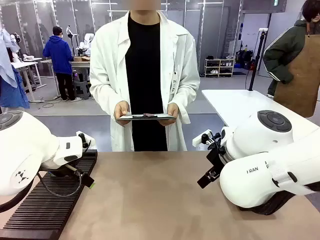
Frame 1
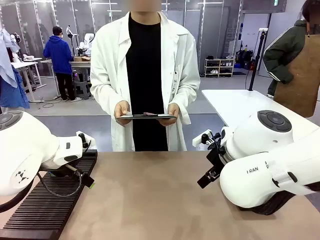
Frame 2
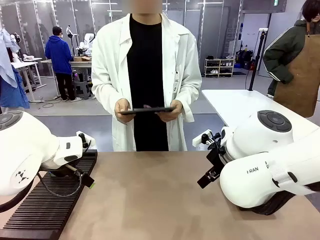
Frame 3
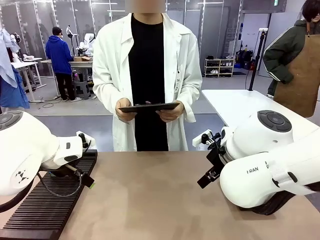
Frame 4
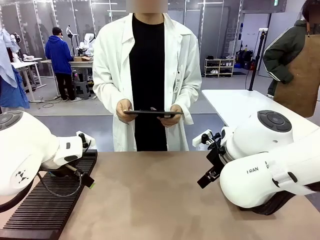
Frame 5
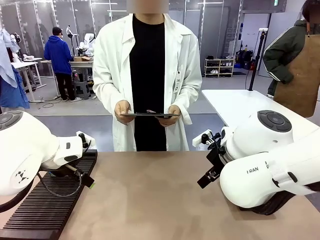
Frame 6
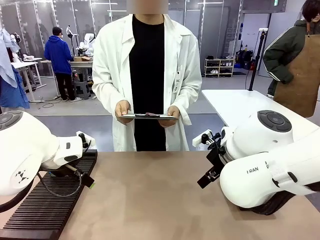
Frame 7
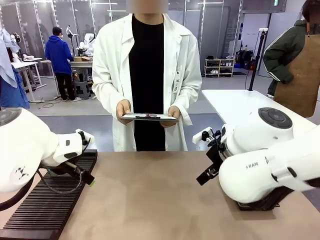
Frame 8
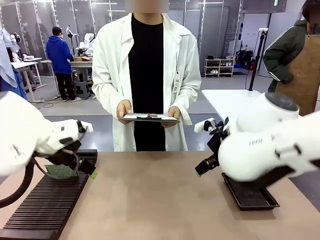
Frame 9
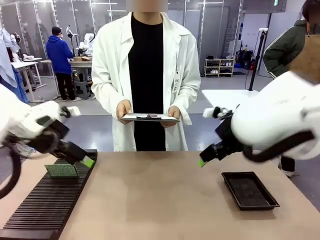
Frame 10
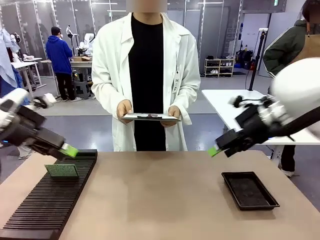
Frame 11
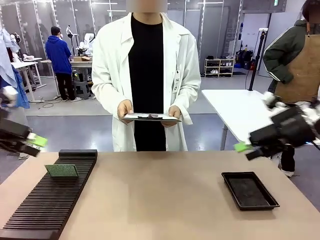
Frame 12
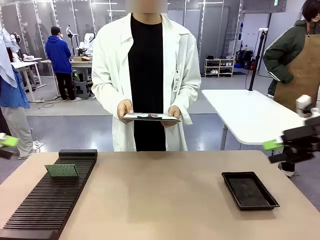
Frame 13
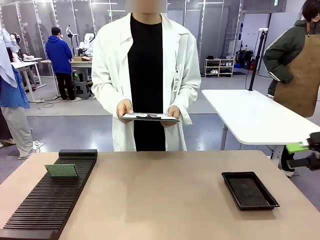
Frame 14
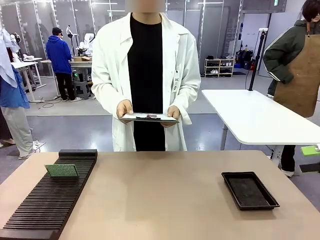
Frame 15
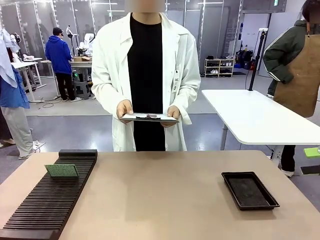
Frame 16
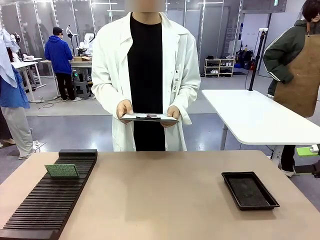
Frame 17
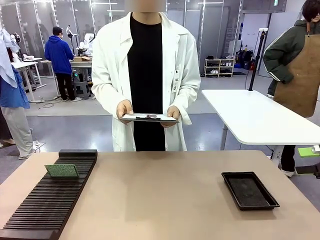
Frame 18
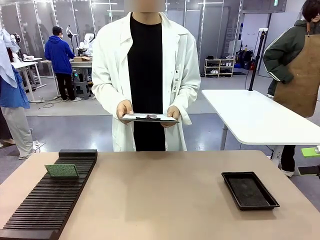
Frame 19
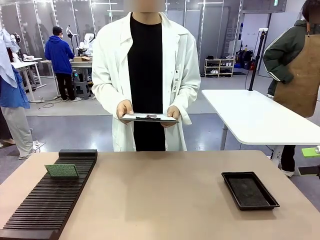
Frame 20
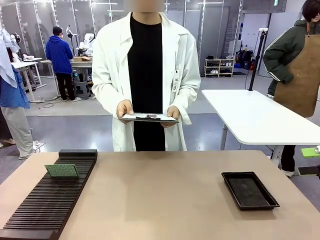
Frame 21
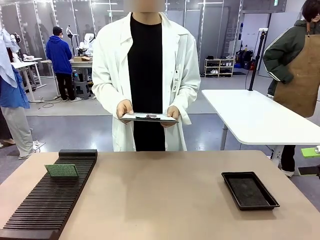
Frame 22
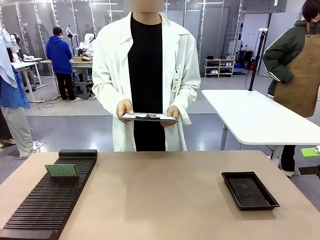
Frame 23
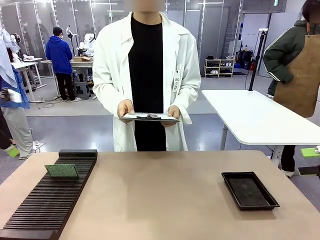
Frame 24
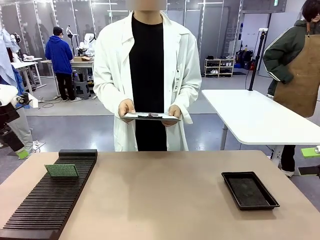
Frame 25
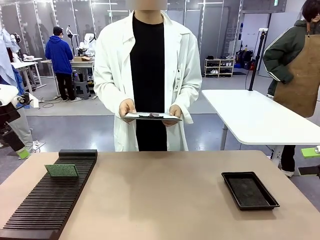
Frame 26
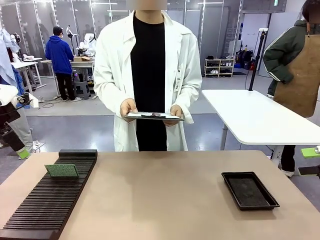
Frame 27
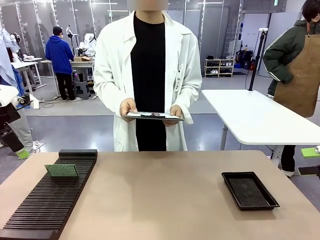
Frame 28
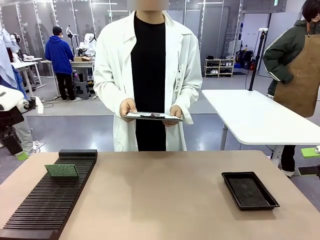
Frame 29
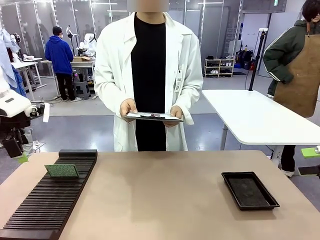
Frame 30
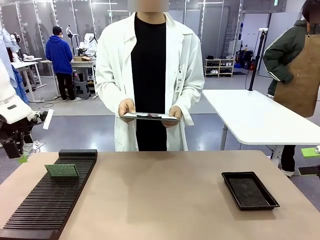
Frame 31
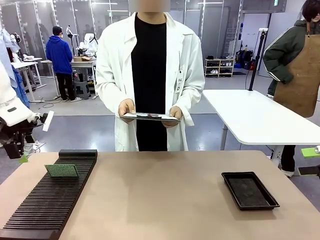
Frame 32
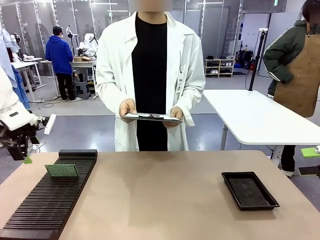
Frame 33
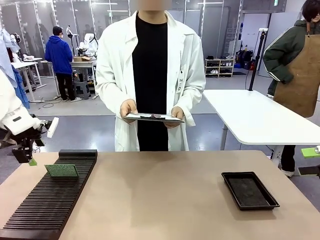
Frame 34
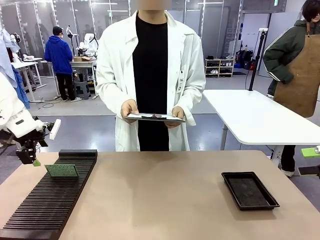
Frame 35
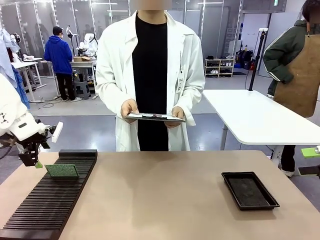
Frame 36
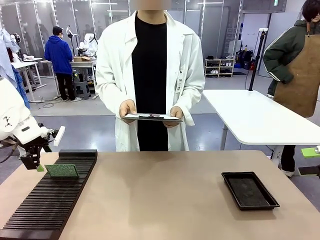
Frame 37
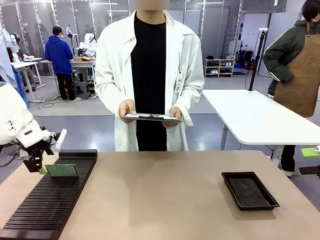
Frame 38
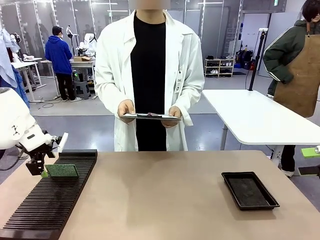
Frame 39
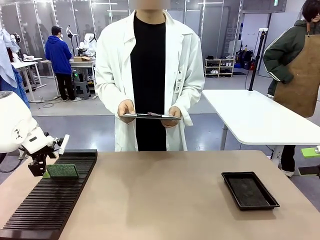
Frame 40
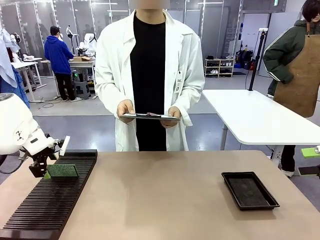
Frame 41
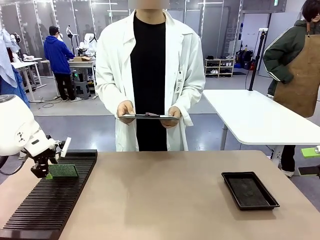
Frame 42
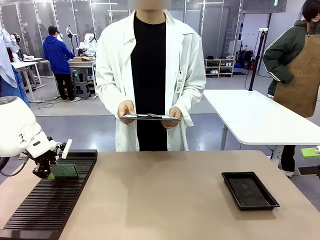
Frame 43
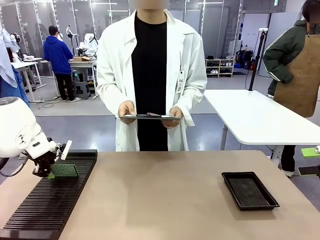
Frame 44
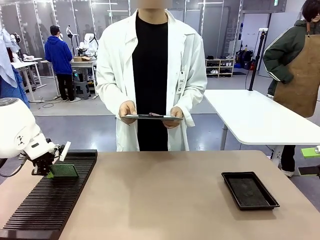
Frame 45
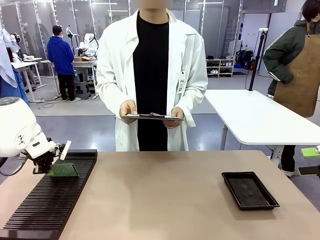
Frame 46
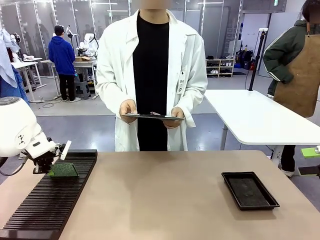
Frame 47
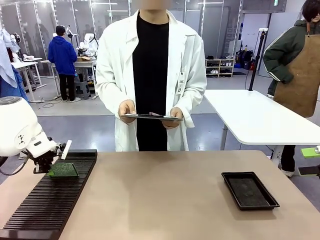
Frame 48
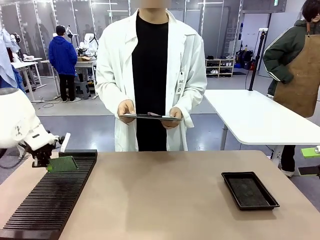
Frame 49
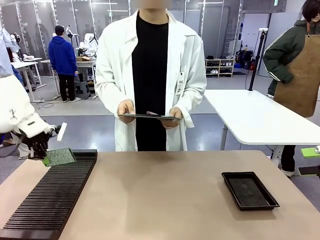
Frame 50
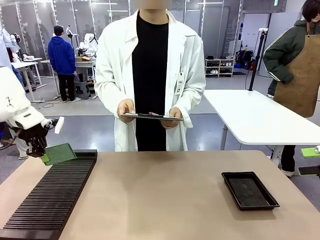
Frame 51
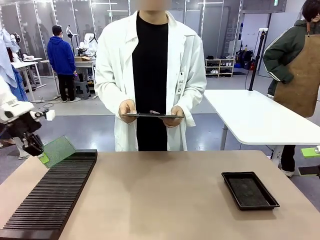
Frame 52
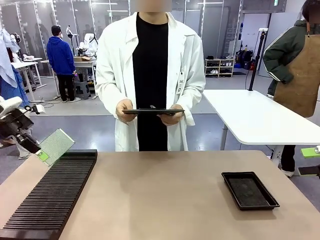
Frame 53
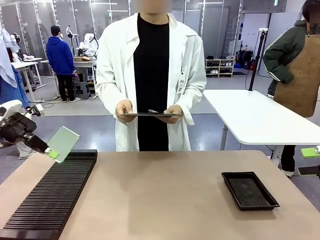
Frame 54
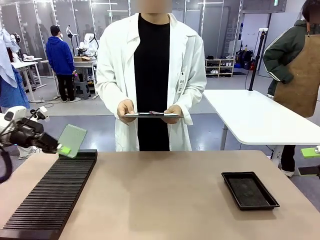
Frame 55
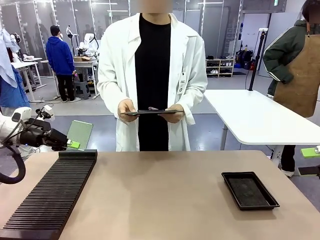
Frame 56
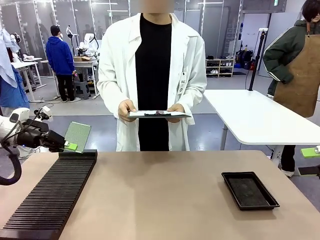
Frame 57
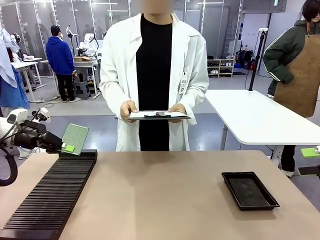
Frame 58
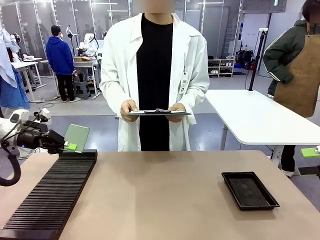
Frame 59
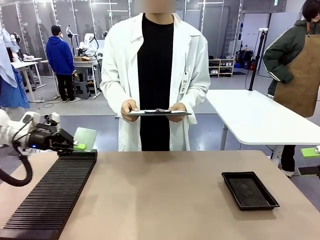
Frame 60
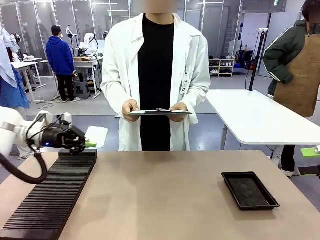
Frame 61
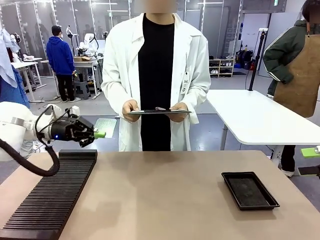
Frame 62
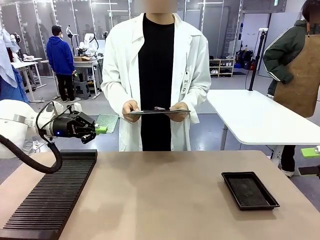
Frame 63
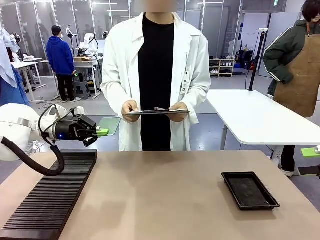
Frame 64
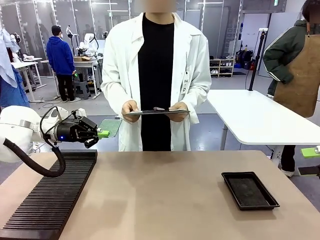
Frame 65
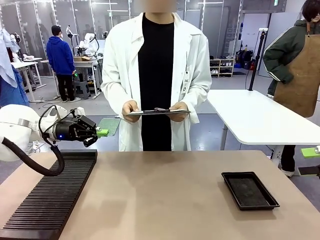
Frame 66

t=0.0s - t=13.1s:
Task: Inspect the PCB.
Robot: Pick up the Blank PCB and present it to the human.
Person: Pick up the PCB presented by the robot.

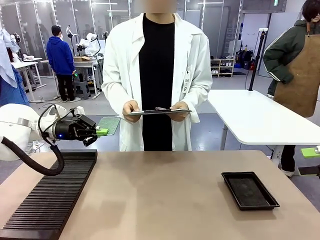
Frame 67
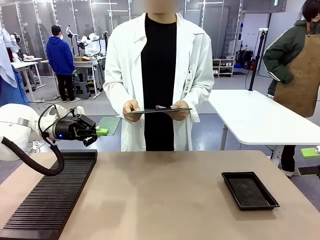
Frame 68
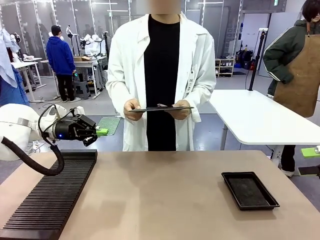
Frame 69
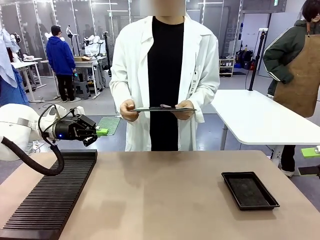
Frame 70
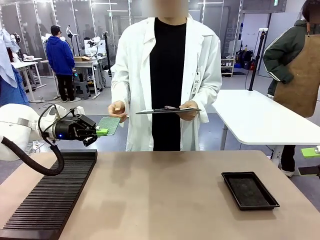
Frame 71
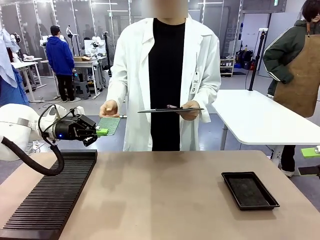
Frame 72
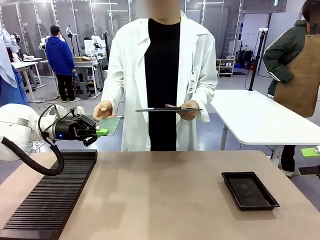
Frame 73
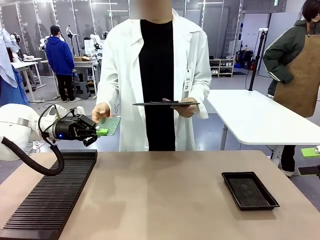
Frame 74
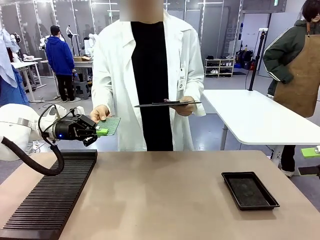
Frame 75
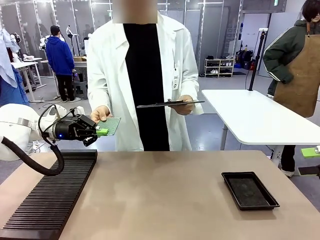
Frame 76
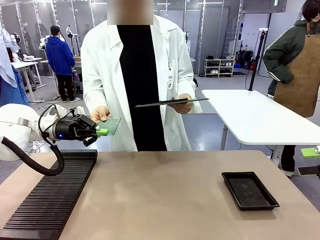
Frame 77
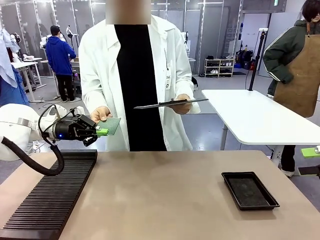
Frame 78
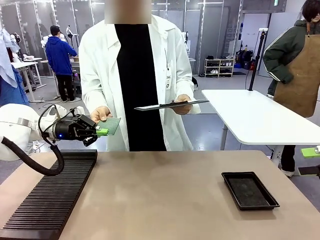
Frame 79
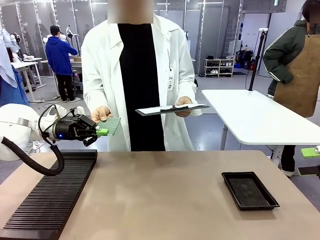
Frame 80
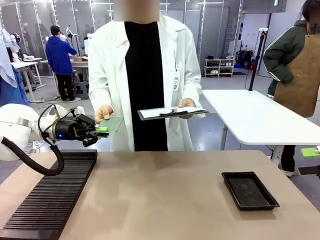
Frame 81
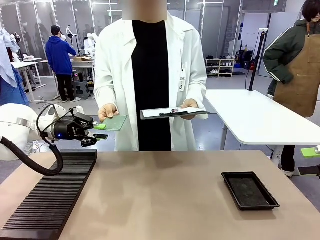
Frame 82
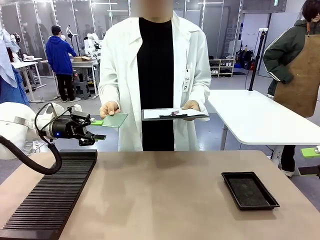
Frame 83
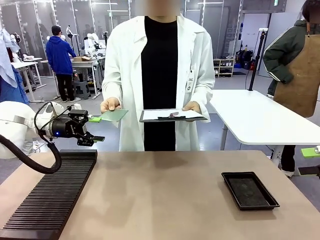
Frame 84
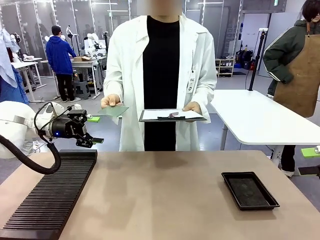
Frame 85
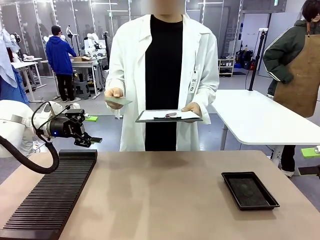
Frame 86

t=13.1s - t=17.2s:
Robot: Release the Blank PCB you were holding.
